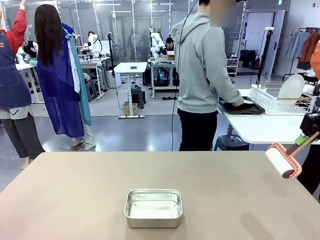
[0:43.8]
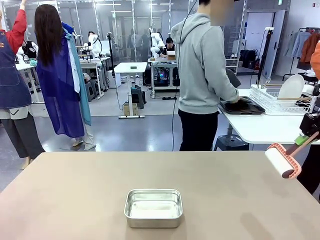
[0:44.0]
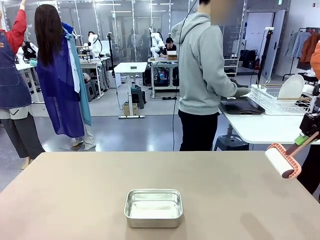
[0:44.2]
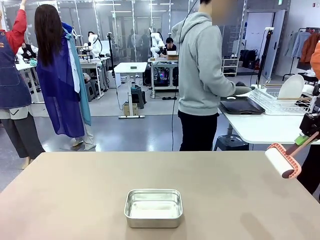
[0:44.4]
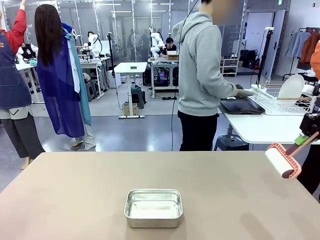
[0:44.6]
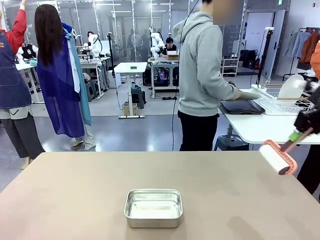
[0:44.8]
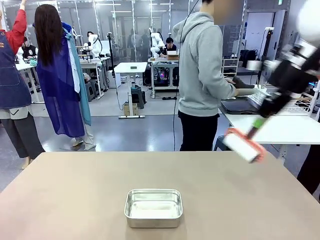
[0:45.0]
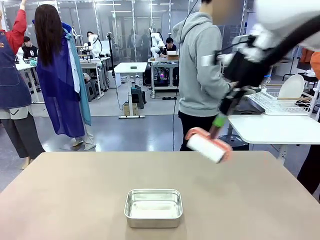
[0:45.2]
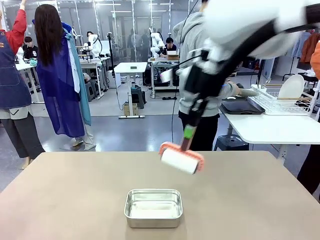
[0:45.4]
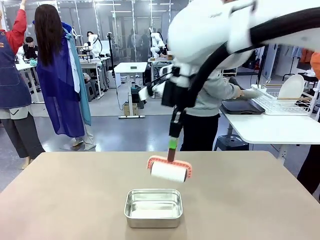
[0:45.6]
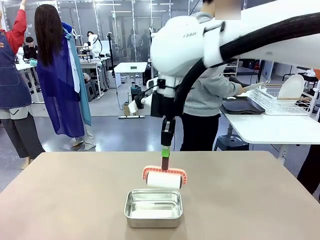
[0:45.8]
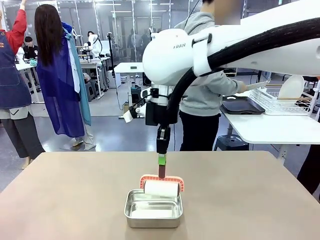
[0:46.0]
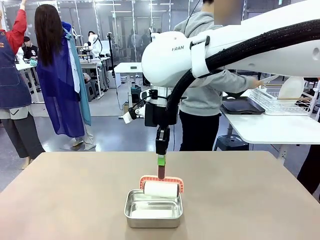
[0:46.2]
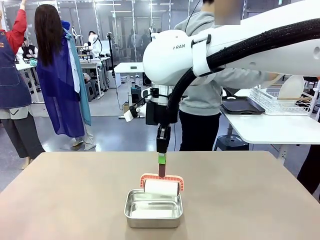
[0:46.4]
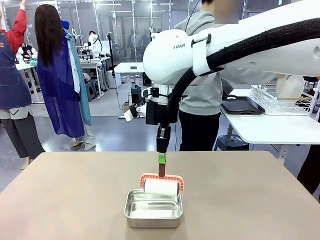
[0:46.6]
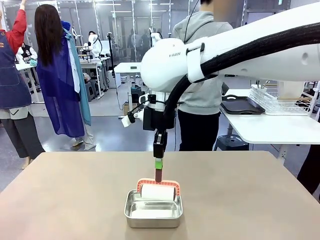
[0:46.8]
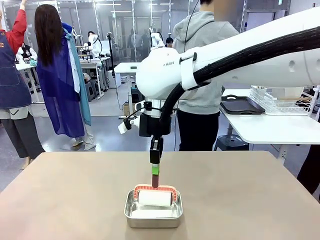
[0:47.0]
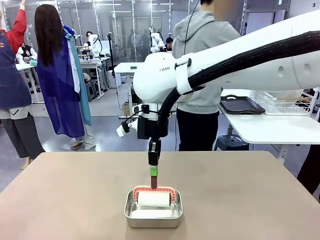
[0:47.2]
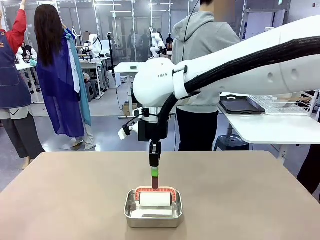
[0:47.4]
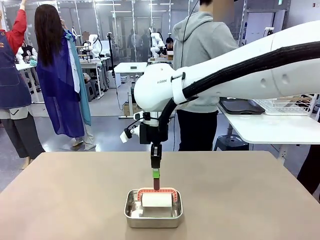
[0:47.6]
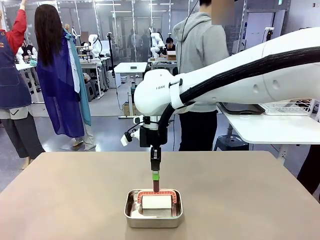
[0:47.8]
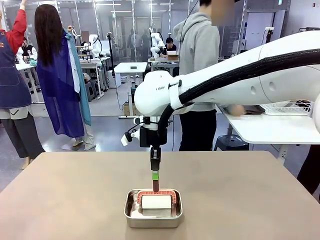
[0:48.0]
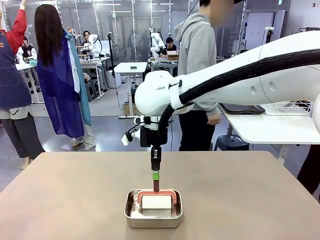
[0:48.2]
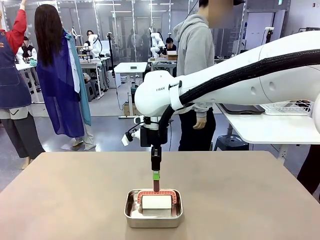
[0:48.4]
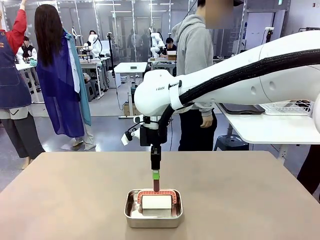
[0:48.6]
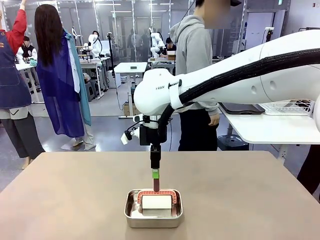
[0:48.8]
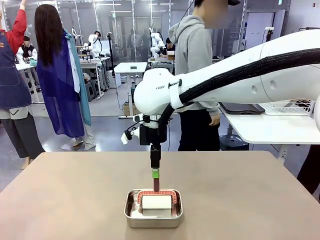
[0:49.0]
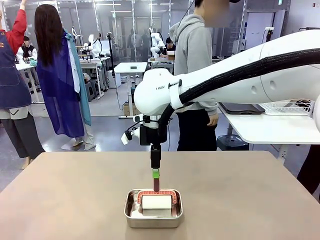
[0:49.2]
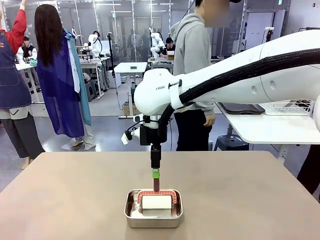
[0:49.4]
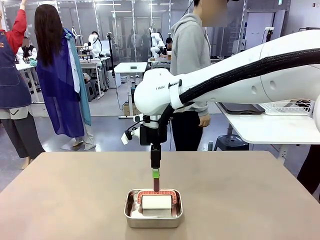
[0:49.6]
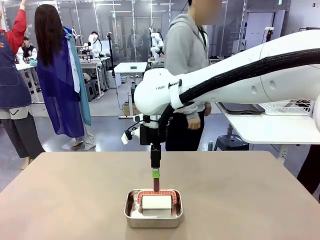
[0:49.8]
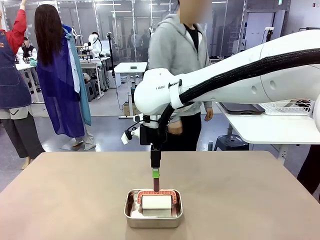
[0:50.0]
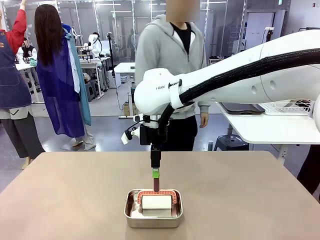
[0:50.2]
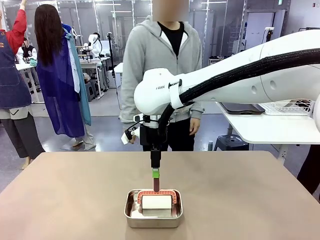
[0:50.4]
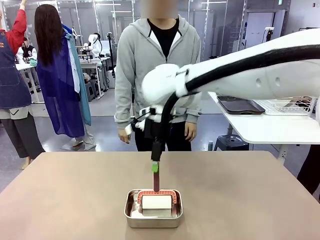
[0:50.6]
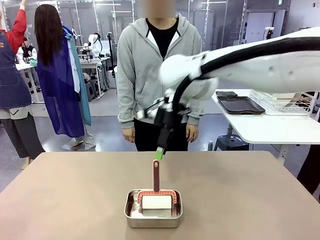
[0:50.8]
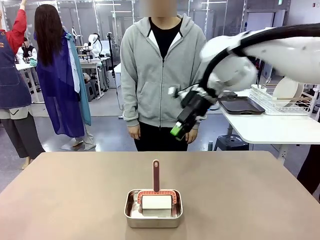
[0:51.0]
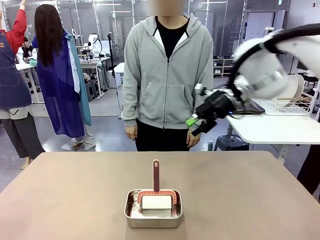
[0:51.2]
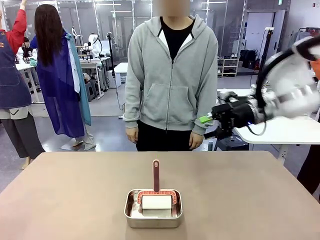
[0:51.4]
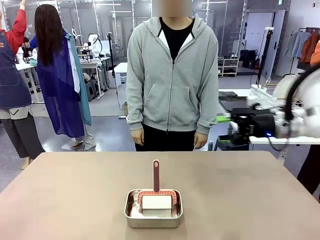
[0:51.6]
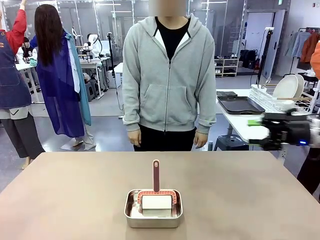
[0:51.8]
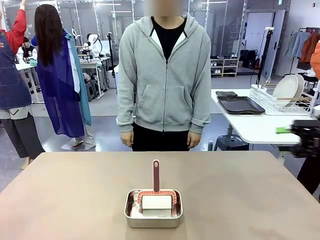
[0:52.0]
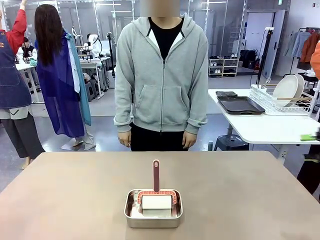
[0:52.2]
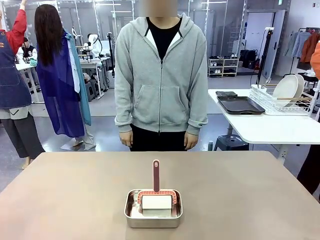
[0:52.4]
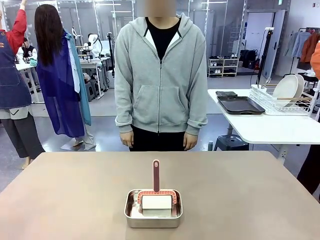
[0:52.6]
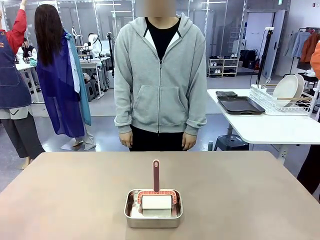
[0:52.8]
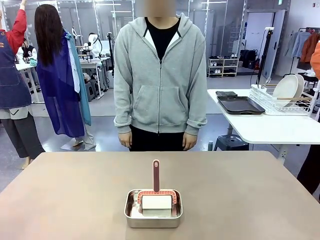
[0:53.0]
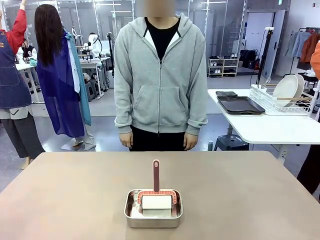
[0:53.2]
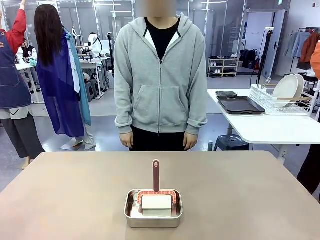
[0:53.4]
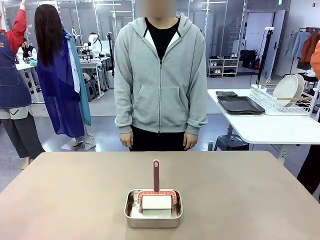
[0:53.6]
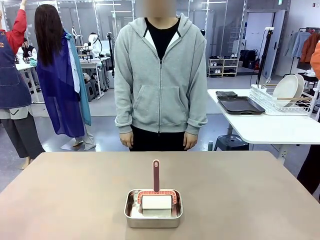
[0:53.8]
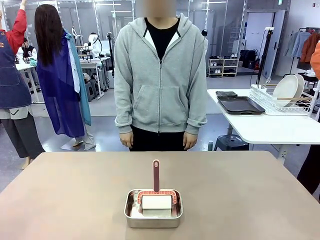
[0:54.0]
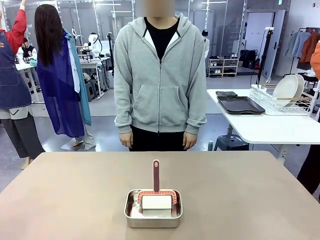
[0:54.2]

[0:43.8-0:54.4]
Robot: Place the Lint Roller back on top of the Airtight Container.
Person: Use the Towel with hook to wipe the Plastic Matte Plate , Fork , and Knife and place into the Dish drying rack.

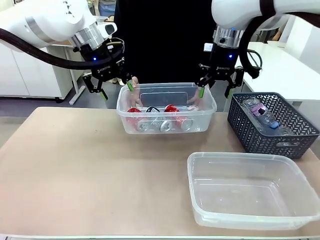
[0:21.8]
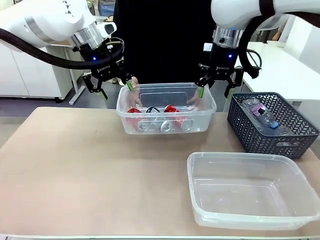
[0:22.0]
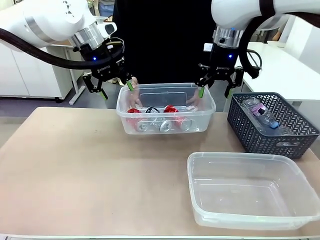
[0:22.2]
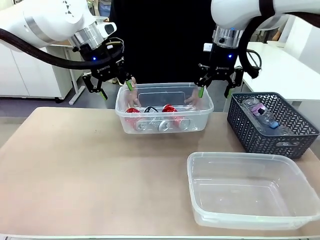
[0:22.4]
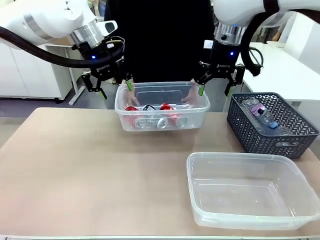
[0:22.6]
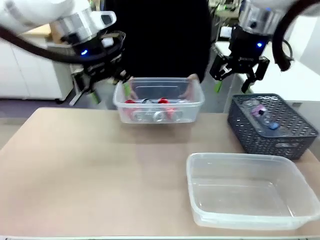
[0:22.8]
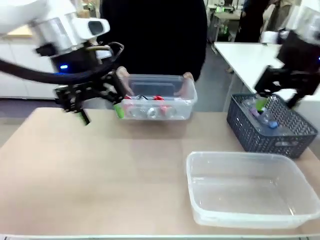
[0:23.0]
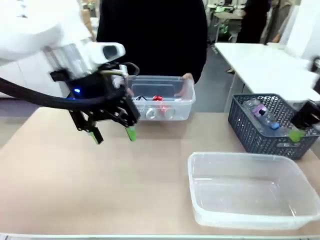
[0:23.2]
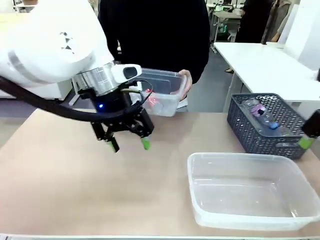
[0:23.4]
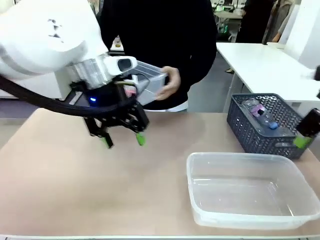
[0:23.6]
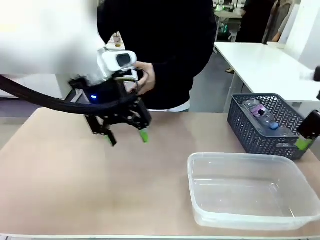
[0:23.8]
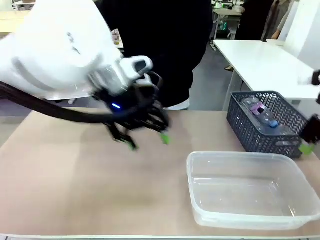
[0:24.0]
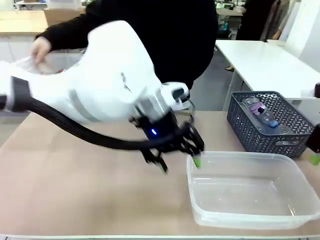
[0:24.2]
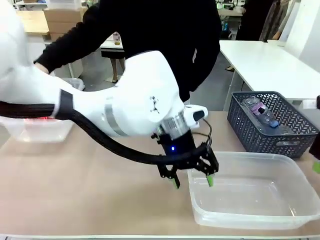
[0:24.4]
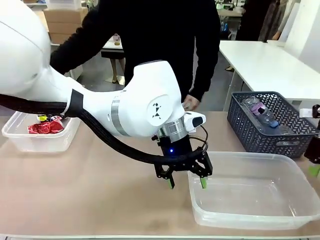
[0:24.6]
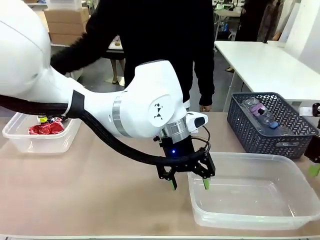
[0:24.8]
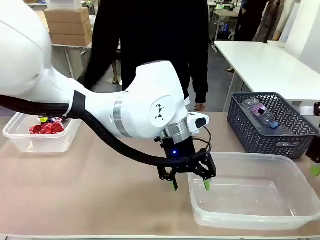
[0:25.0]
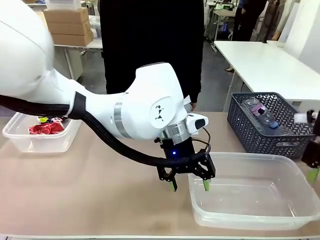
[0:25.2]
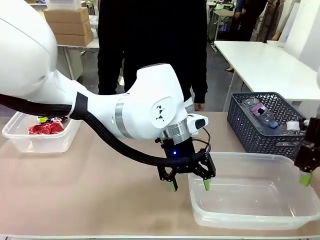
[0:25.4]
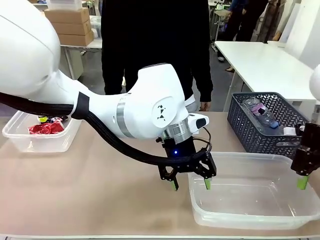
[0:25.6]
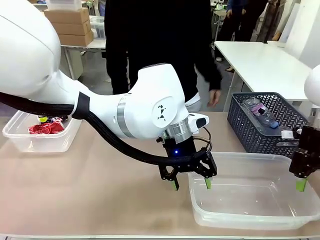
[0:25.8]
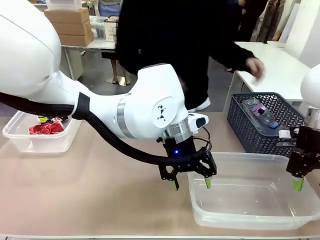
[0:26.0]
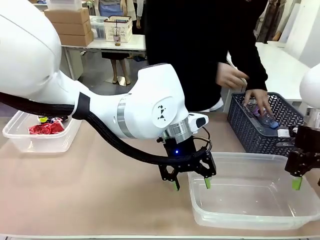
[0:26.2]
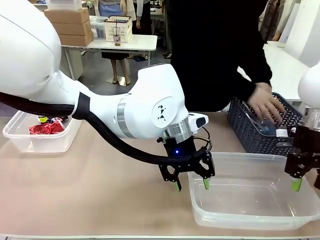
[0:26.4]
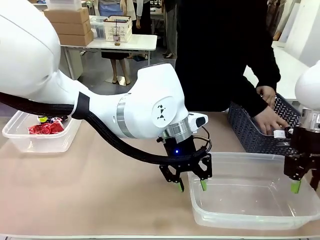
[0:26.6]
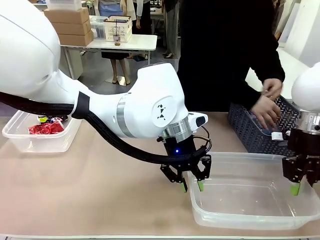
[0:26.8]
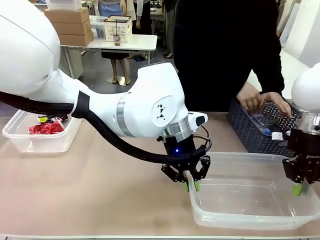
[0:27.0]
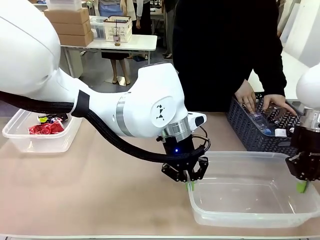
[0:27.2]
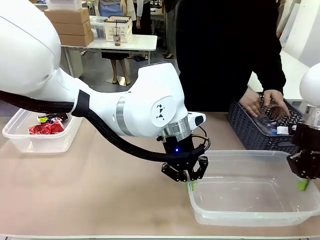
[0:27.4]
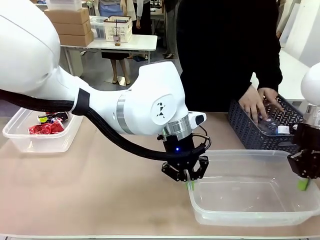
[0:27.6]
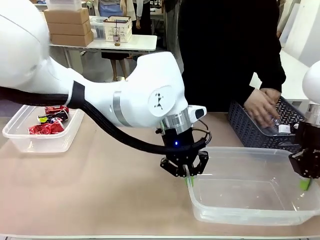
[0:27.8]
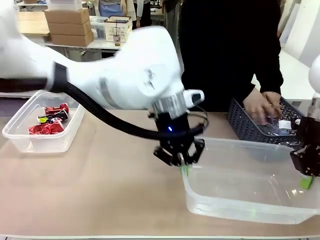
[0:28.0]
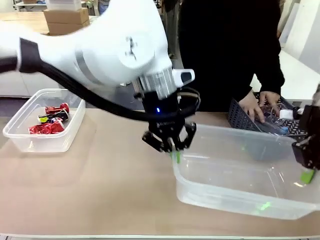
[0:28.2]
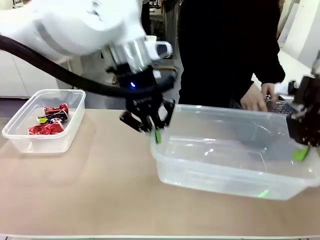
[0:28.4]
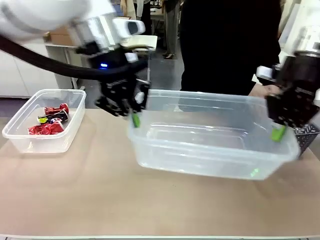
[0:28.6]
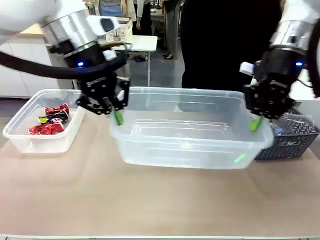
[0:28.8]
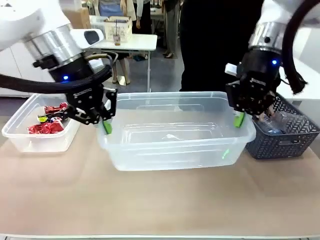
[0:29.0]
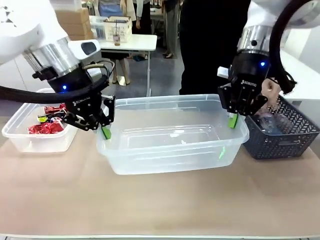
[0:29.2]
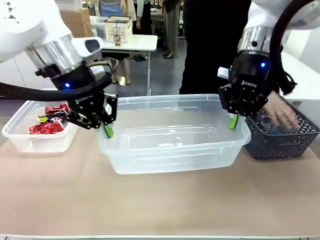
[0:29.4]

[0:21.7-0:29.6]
Robot: Pick up the Organizing box on the right side of the table and lift it.
Person: Place it at the edge of the bottom right area of the robot table.
